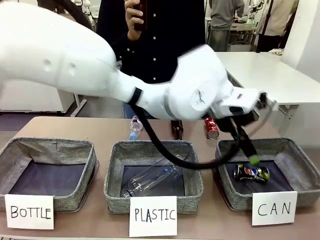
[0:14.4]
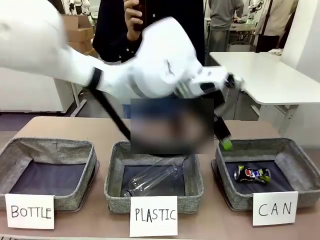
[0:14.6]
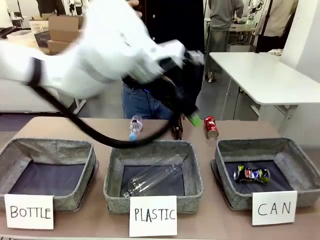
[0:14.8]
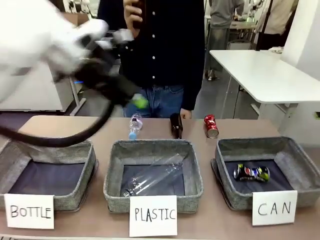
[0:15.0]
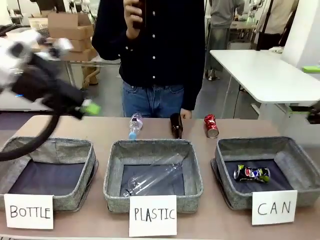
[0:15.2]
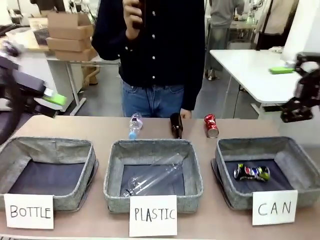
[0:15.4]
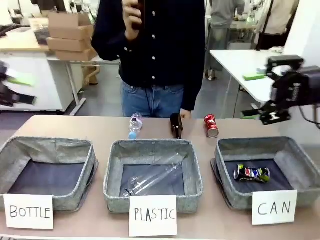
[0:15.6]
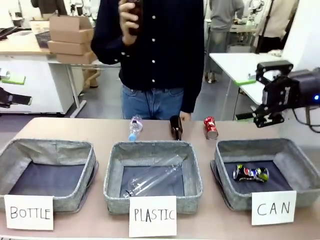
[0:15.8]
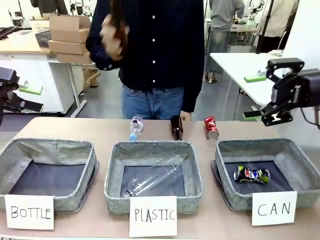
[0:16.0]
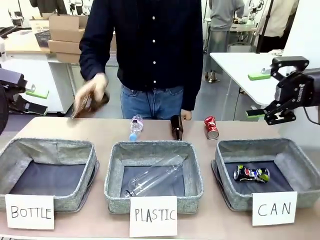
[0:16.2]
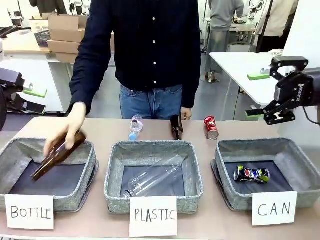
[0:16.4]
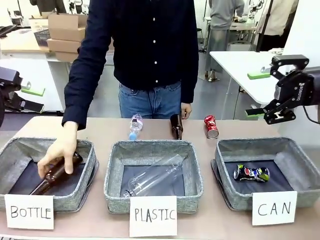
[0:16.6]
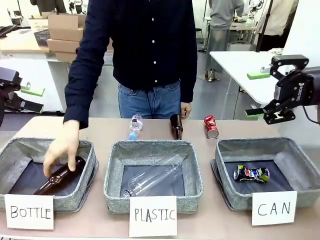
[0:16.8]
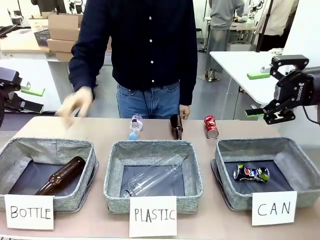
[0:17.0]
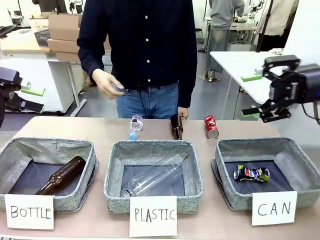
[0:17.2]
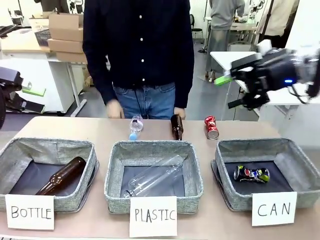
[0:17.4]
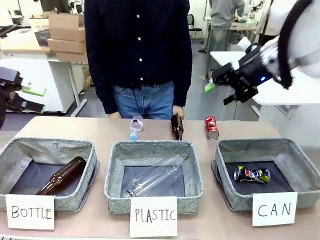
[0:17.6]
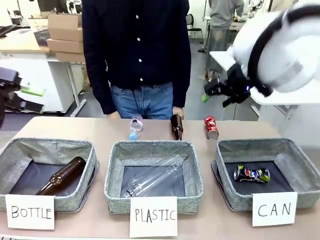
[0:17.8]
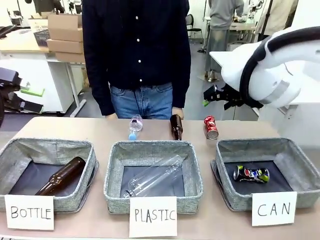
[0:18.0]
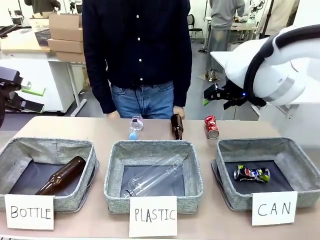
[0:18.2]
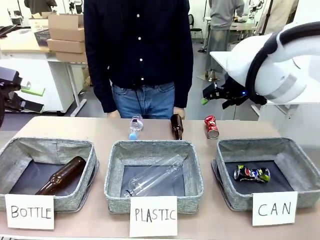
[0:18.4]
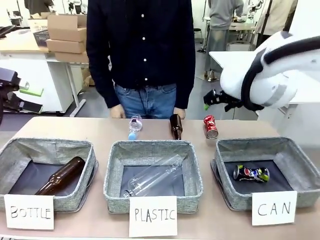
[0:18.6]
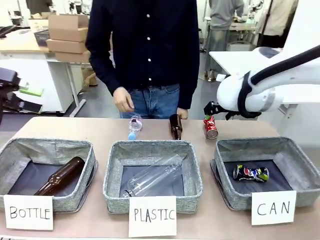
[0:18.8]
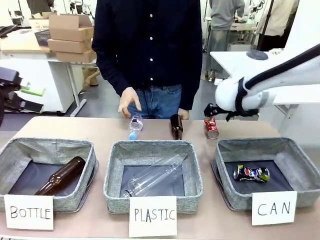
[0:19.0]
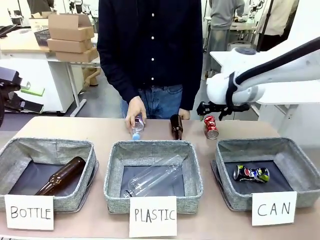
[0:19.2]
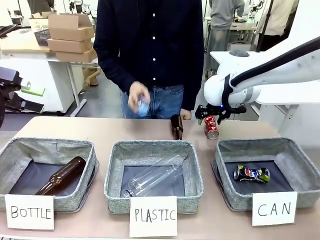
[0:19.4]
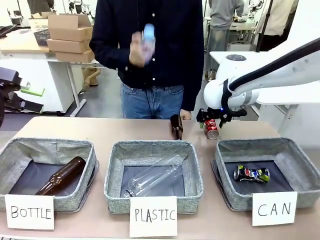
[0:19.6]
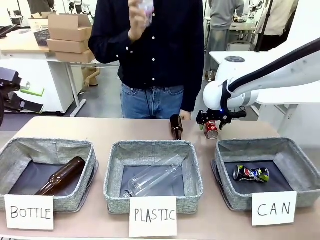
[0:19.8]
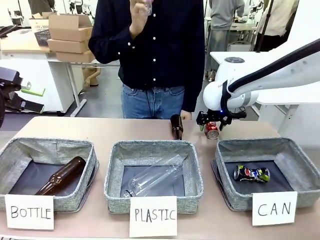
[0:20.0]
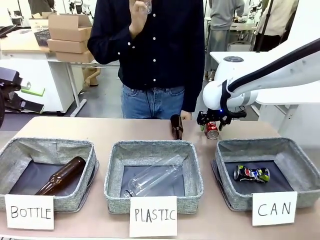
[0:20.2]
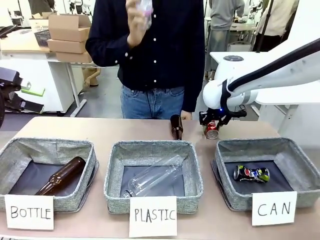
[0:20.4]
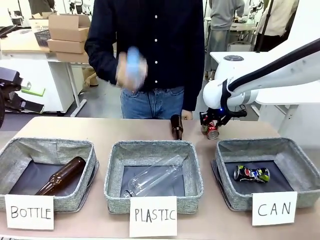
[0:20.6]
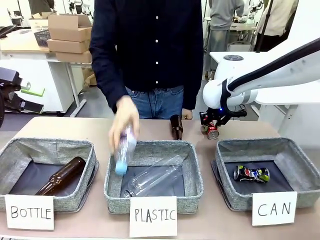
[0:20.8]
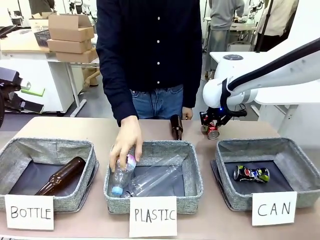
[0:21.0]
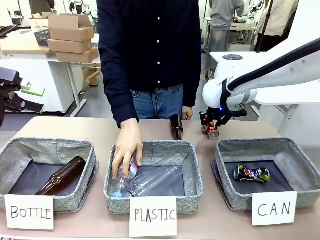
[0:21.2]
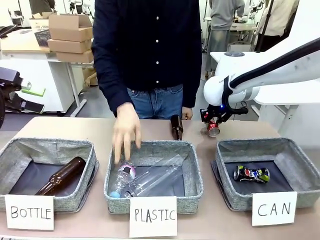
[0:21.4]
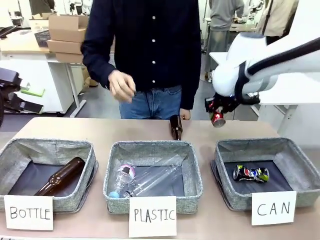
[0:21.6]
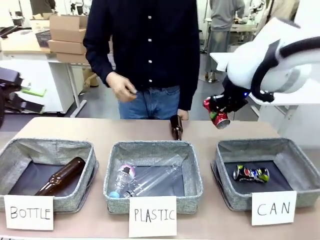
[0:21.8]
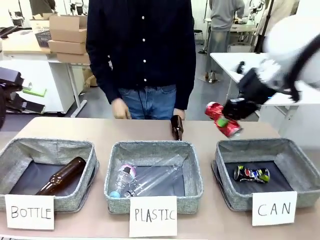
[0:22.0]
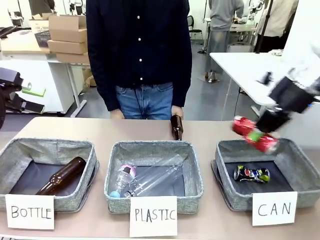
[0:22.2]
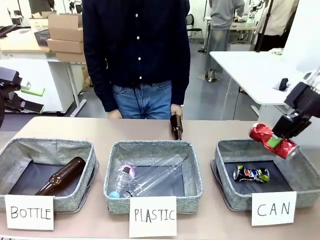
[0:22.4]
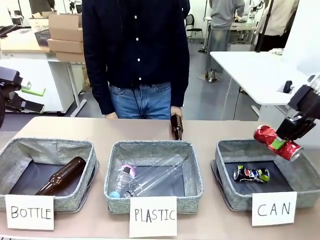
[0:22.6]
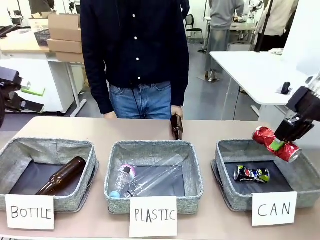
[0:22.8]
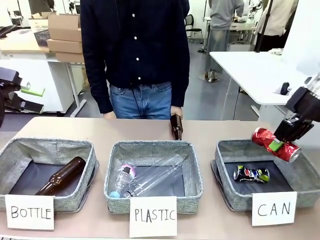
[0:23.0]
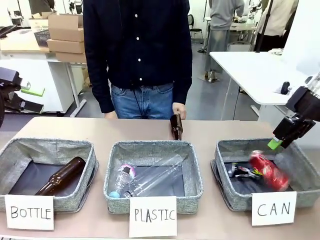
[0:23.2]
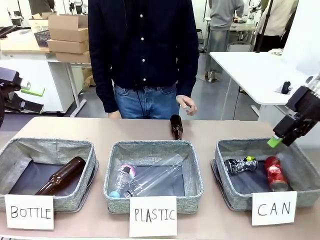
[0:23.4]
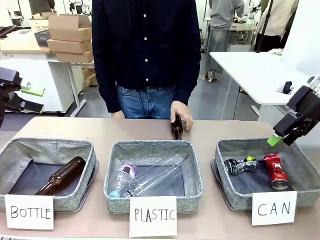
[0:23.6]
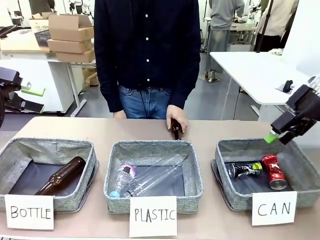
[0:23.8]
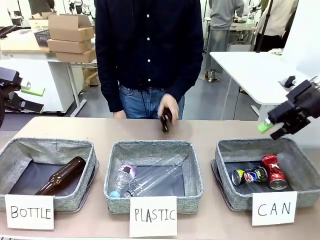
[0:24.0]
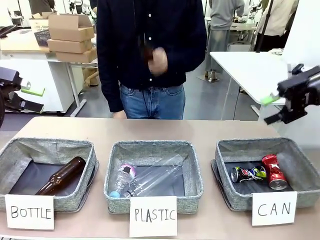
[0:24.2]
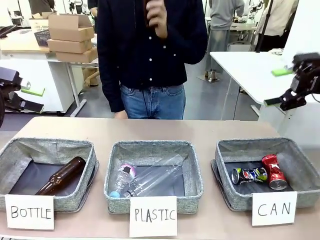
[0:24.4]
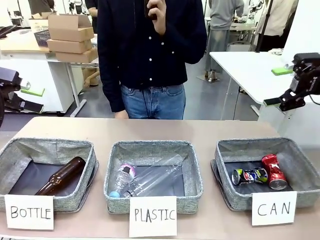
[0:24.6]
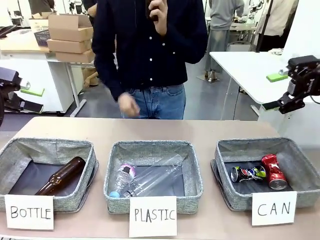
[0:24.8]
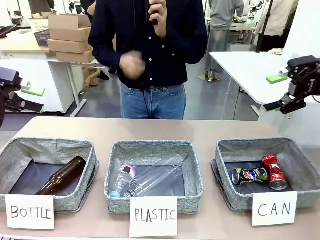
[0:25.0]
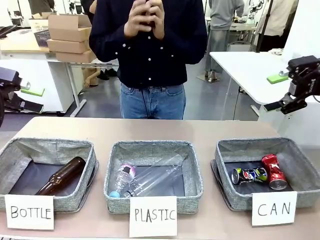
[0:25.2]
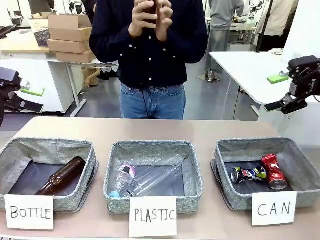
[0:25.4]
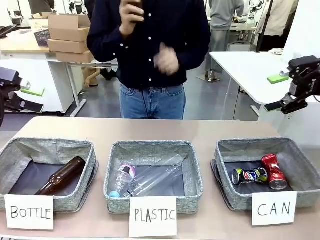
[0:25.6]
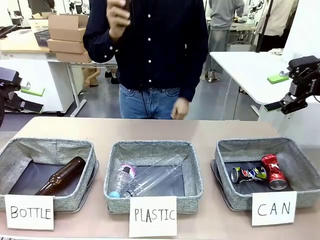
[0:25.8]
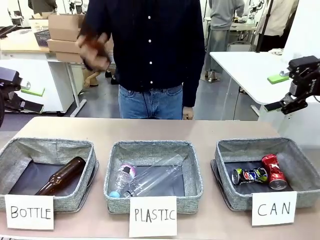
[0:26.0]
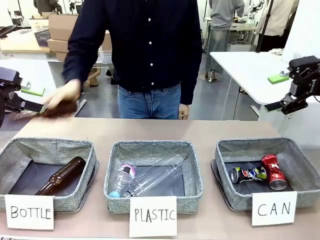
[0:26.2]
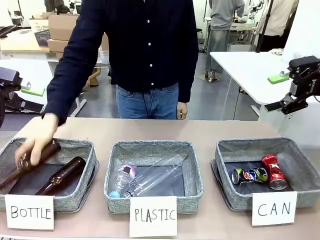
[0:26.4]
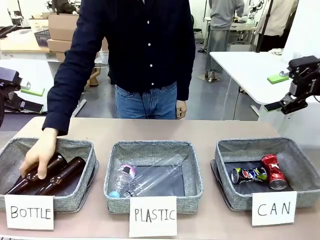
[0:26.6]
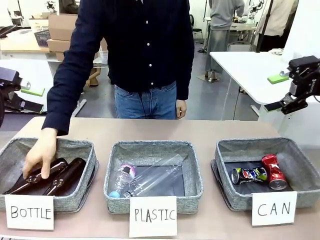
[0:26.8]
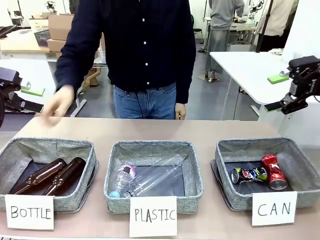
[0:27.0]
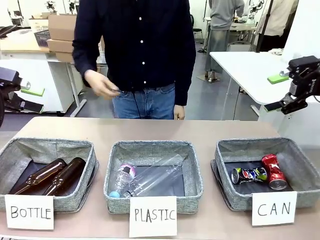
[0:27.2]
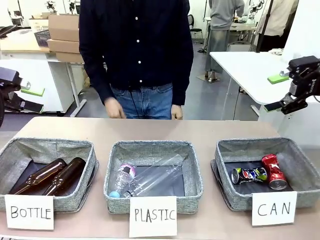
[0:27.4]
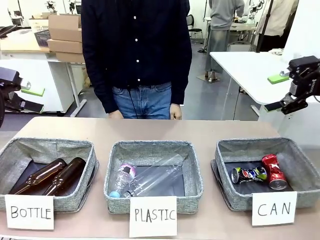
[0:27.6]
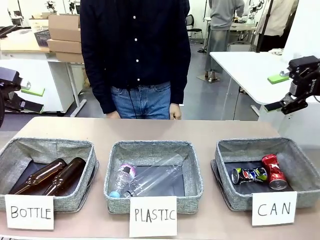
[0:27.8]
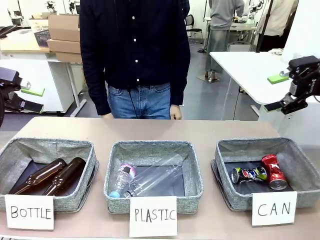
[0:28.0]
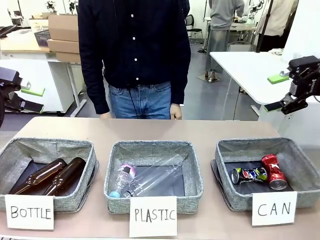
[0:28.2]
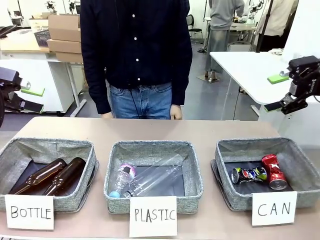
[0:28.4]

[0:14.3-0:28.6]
Task: Sort the can waste into the basket.
Robot: Pick up the can waste from the table and place it in the right Fabric basket.

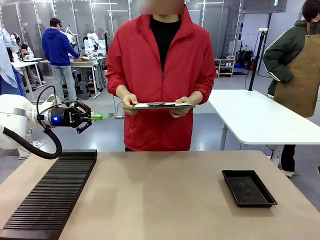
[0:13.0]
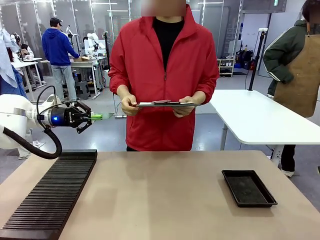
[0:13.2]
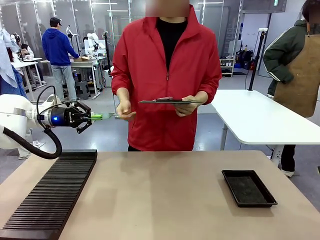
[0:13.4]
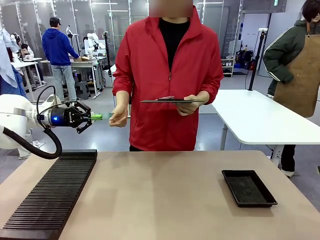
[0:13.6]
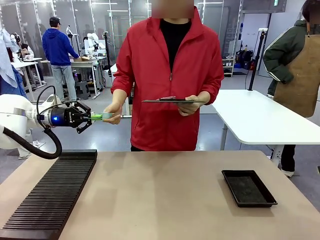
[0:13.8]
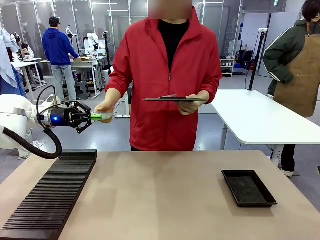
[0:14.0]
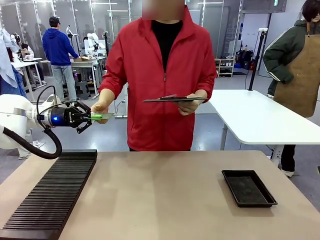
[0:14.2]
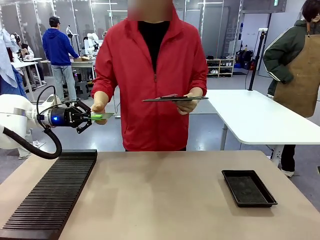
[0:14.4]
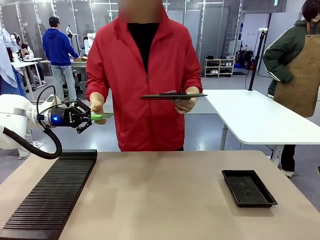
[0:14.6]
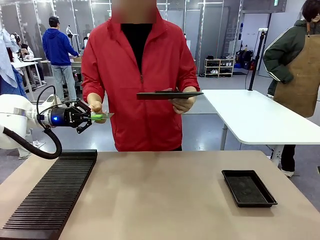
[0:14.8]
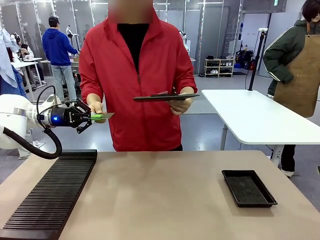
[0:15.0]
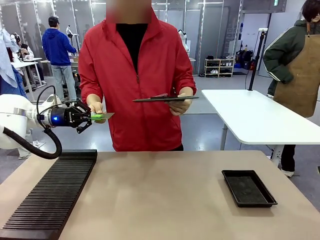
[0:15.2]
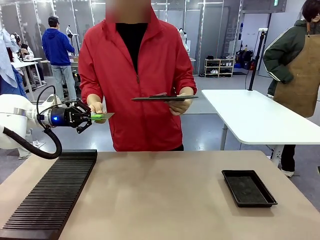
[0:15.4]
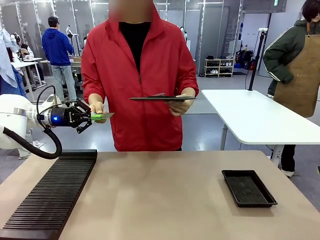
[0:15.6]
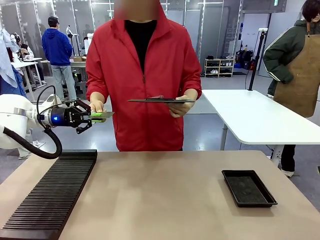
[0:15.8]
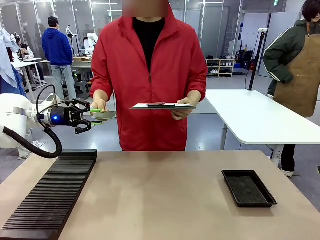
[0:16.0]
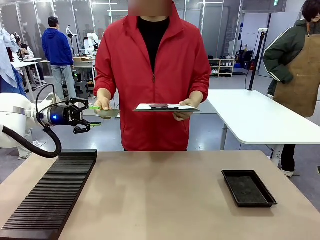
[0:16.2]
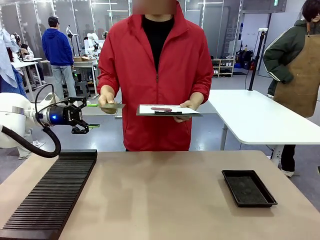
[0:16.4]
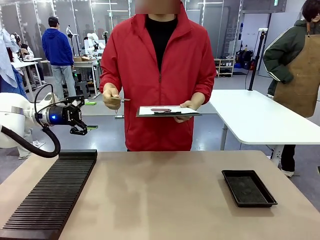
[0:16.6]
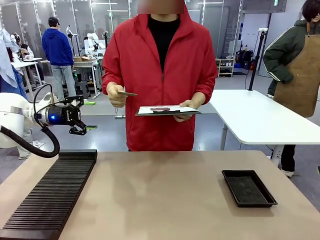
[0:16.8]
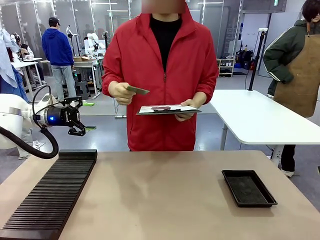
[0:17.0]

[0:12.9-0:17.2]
Task: Inspect the PCB.
Robot: Release the Blank PCB you were holding.
